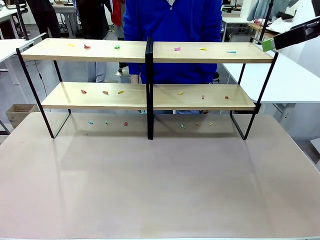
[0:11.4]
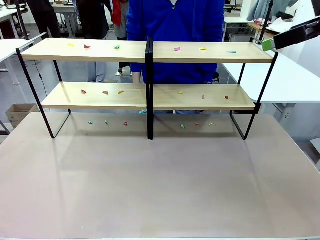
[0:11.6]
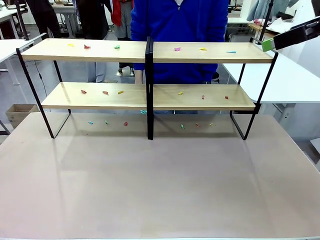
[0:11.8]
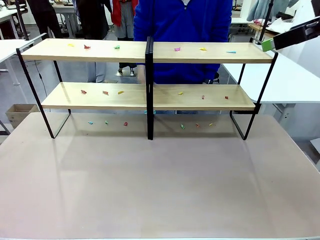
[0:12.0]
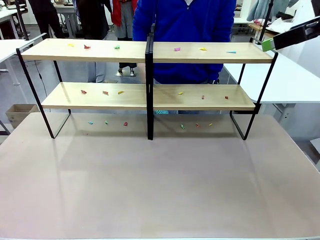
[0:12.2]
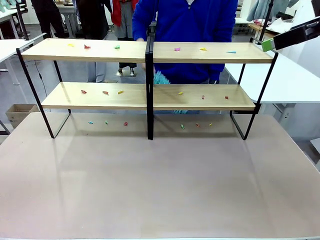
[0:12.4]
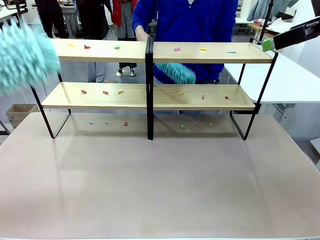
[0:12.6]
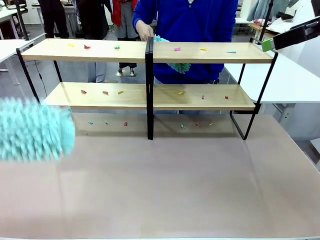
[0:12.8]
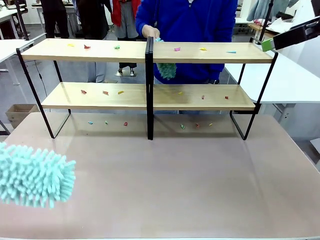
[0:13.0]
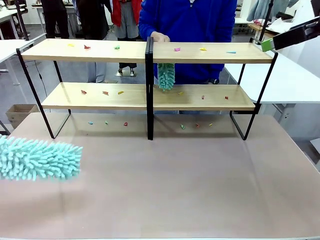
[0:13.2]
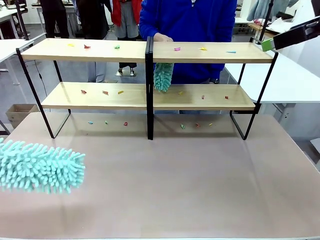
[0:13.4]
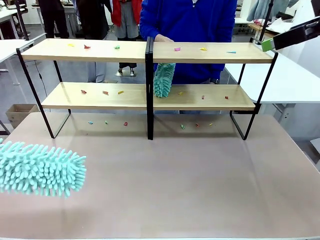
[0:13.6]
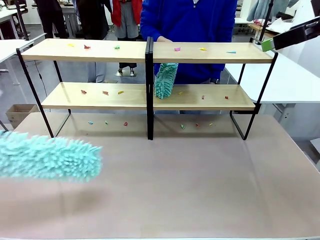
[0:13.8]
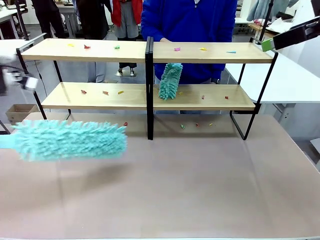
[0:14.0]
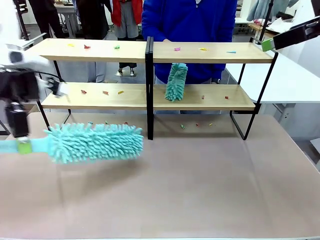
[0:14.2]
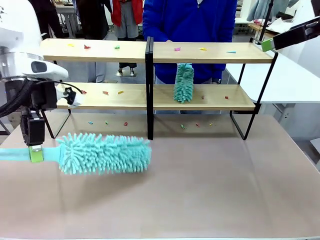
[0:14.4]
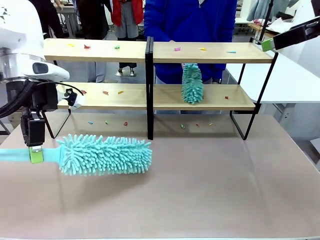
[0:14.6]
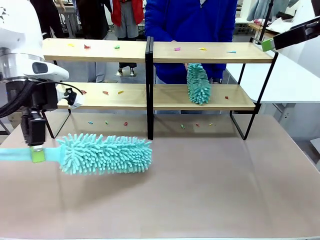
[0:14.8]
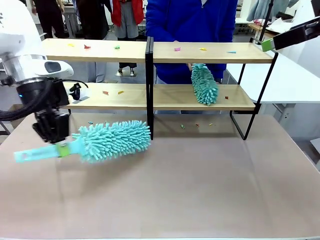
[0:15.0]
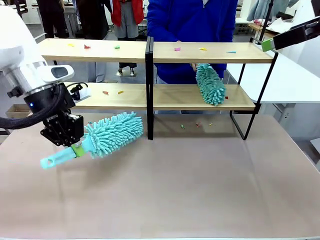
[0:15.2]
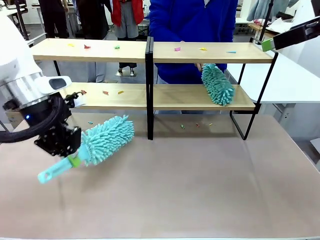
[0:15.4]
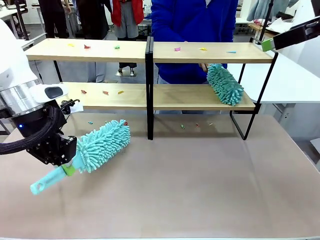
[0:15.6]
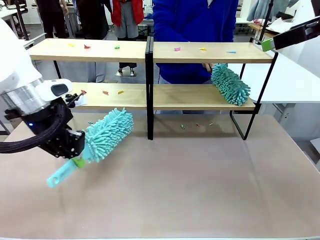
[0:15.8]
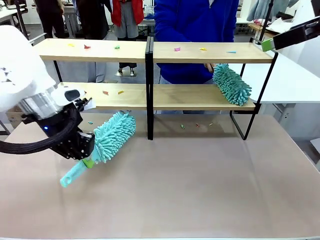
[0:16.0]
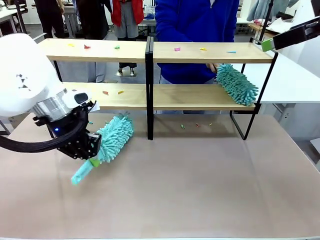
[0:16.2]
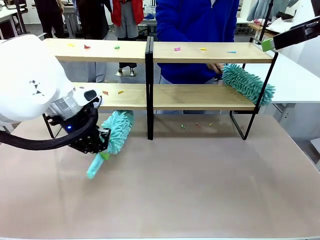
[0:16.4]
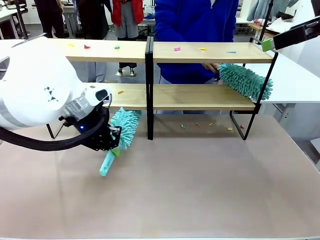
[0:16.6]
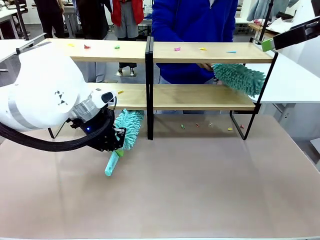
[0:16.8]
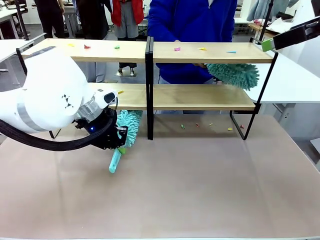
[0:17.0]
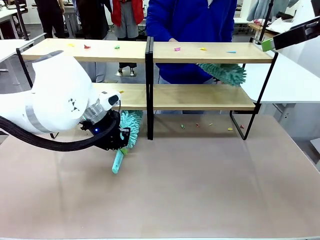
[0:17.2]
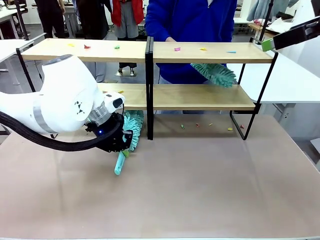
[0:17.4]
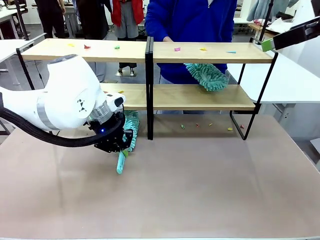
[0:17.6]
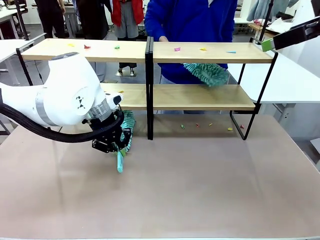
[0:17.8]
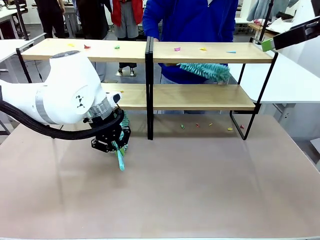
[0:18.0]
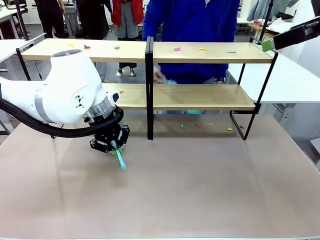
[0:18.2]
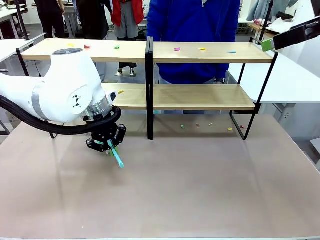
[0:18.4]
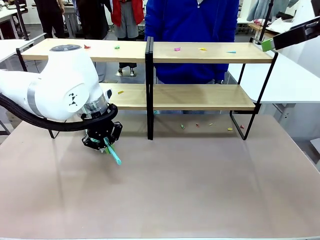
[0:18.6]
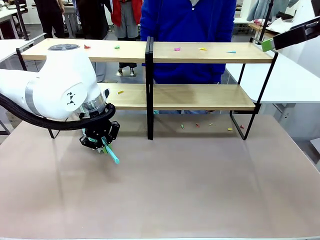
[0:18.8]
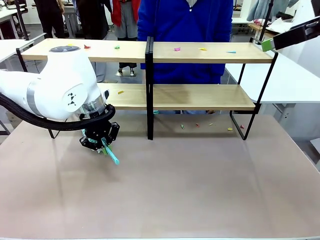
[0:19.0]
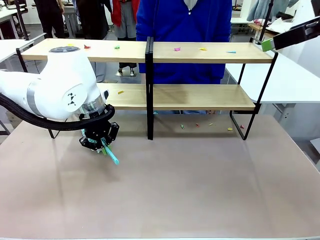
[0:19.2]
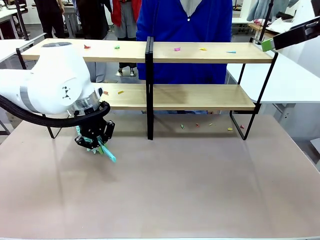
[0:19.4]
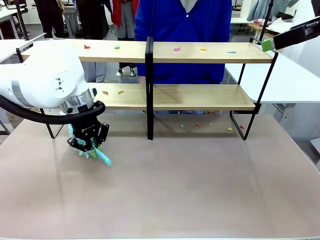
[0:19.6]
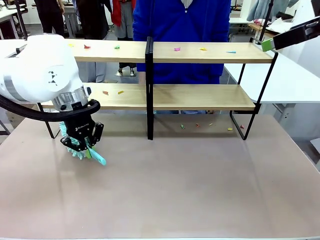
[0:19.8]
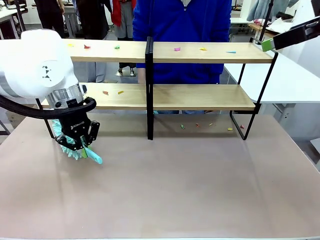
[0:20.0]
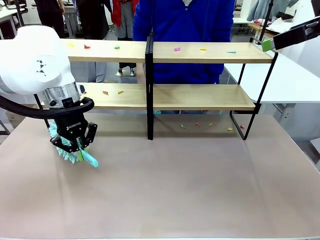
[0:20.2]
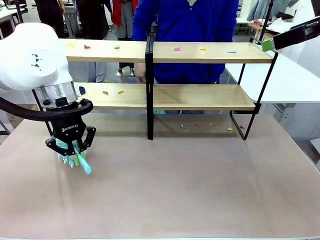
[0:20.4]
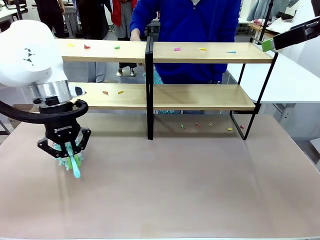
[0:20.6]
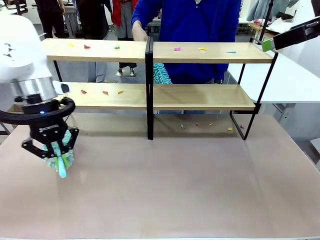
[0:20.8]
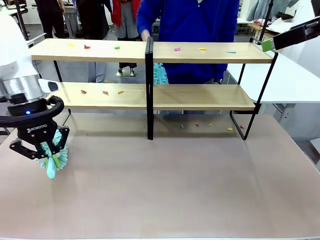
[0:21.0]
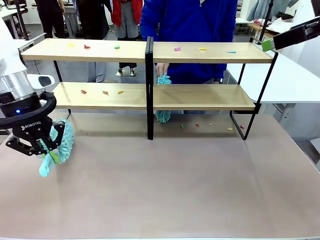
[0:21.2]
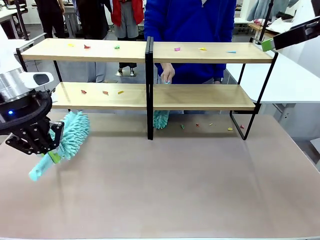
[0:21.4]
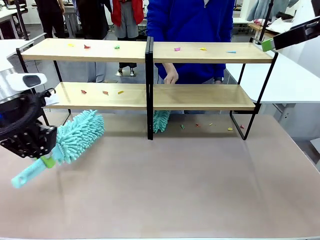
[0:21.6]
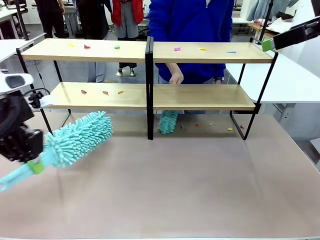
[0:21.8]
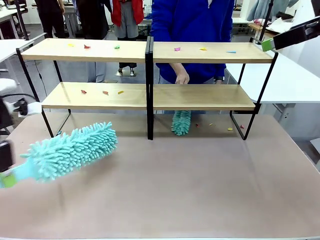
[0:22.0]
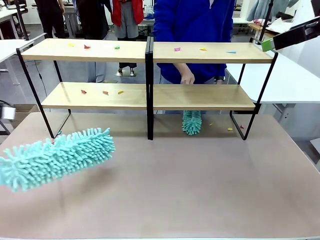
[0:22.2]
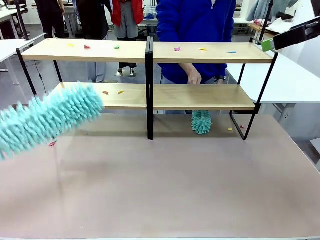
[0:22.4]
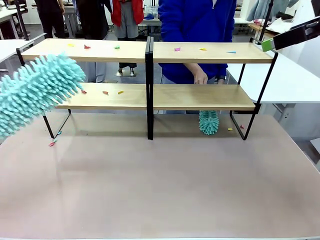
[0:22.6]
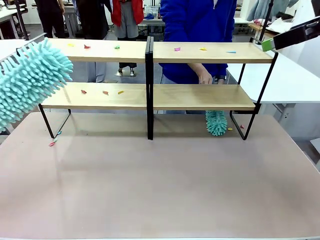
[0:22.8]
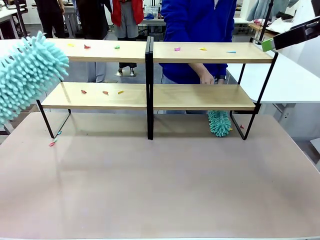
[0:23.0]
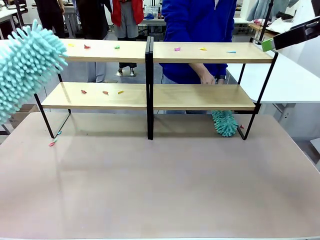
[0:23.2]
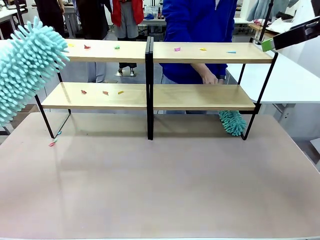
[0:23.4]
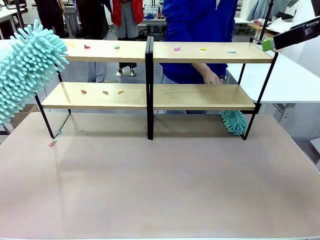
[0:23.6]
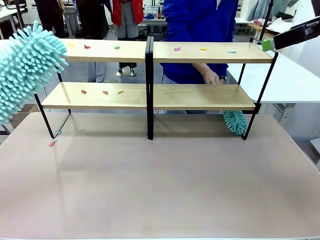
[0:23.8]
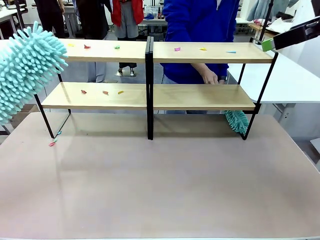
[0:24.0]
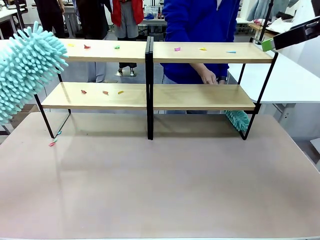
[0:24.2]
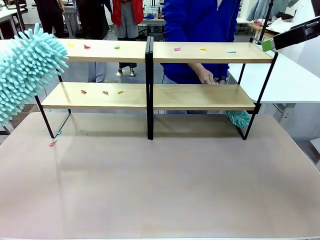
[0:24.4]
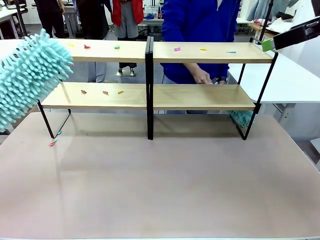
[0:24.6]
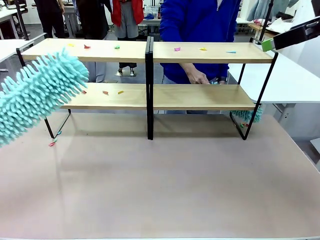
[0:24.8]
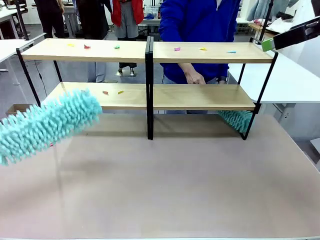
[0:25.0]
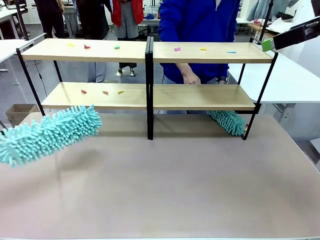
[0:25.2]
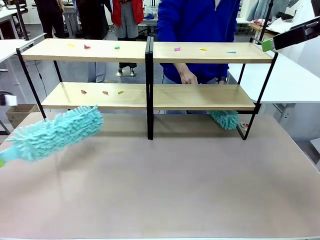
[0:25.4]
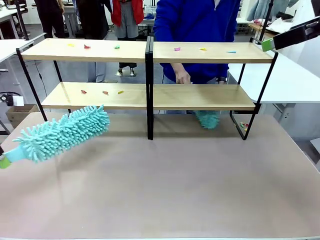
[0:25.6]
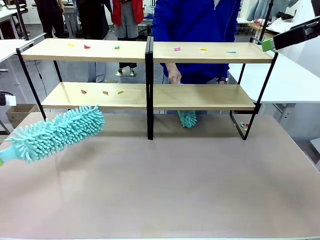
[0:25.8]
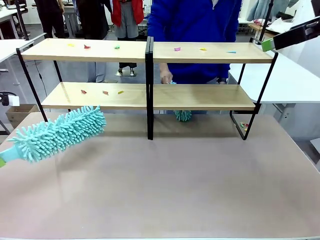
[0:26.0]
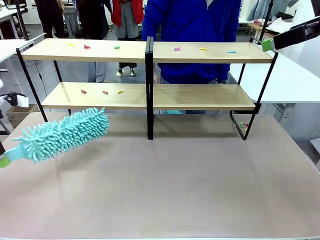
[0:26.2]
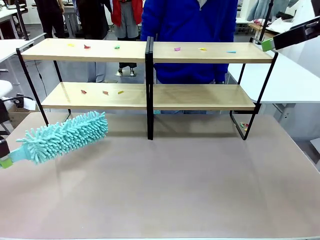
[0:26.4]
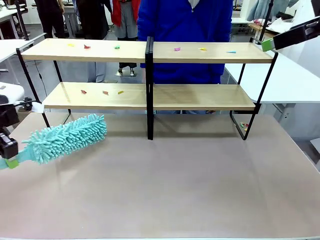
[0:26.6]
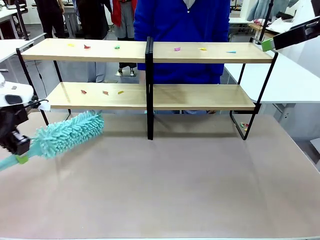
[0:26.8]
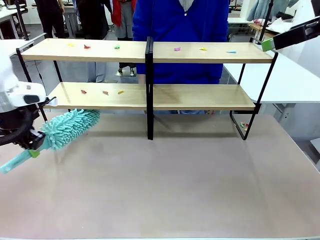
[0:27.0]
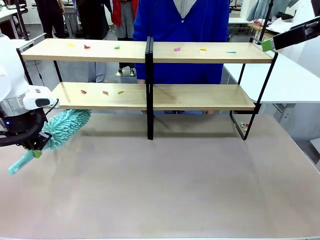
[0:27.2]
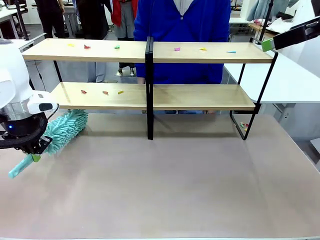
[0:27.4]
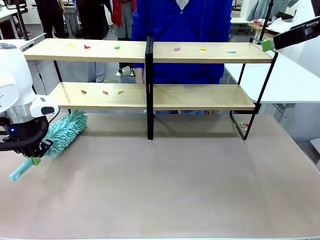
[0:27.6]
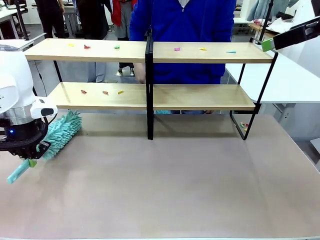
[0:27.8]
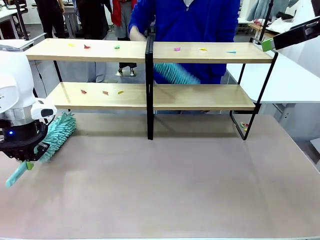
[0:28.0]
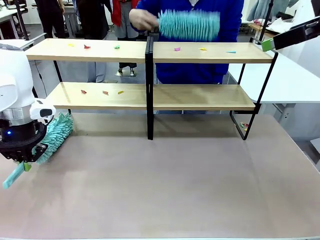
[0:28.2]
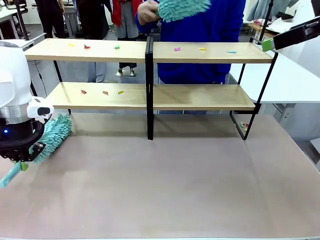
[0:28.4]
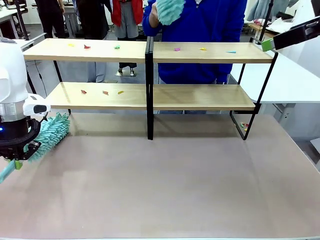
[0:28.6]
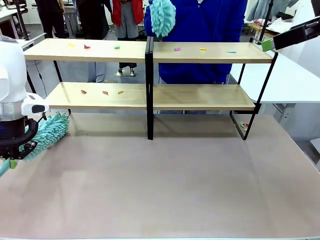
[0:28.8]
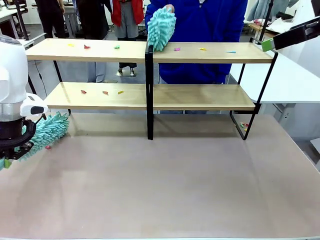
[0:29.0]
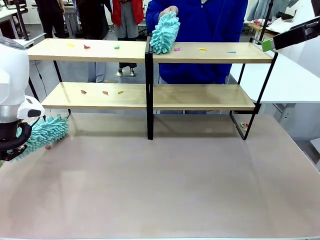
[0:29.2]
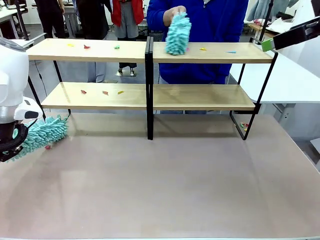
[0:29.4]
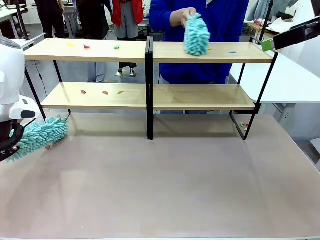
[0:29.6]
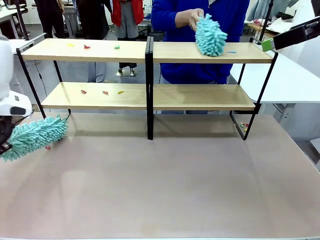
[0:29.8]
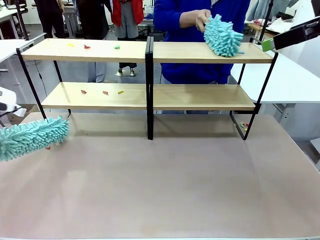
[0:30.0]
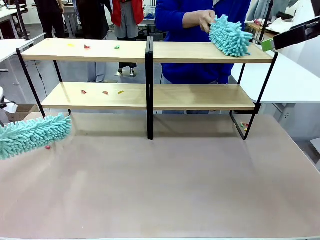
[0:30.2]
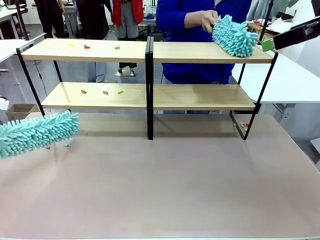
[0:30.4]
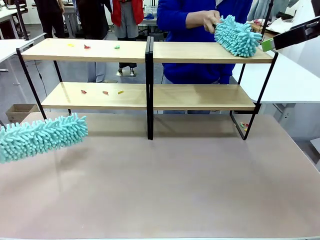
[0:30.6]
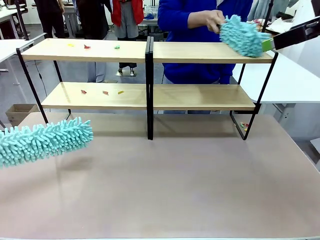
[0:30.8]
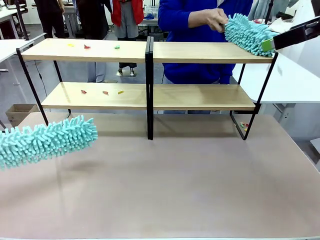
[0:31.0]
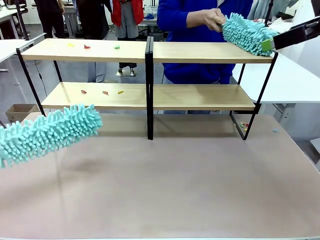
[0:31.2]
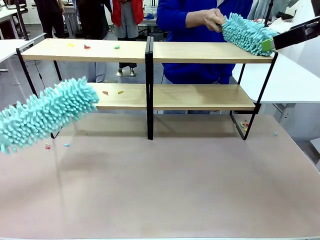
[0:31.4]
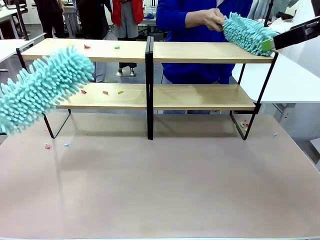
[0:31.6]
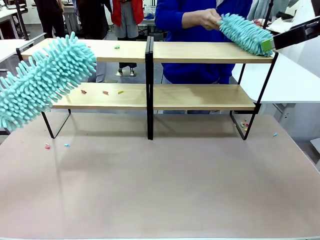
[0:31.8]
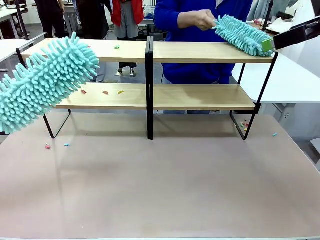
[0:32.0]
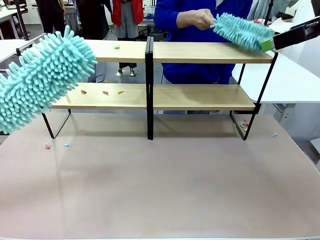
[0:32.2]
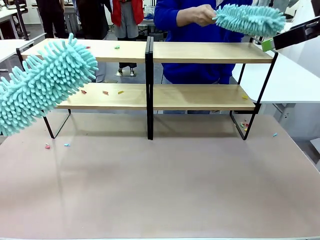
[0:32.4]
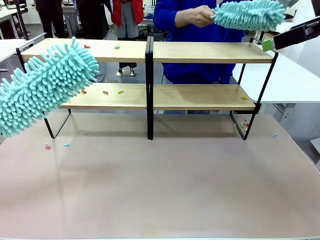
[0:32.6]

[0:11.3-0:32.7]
Task: Clean the shelves.
Robot: Clean a randomly selected level of the Shelf with the Duster.
Person: Clean a randomly selected level of the Shelf with the Duster.
